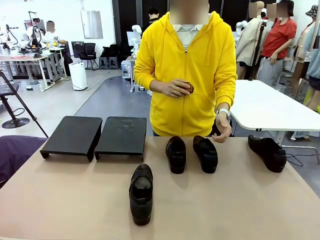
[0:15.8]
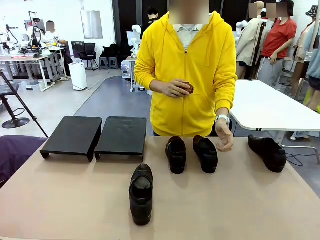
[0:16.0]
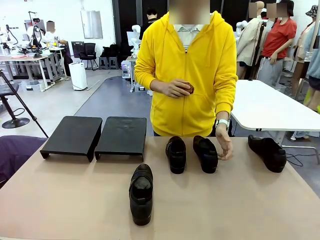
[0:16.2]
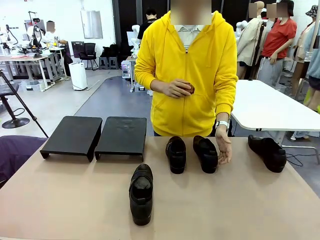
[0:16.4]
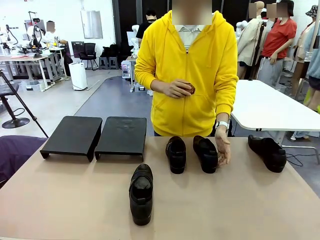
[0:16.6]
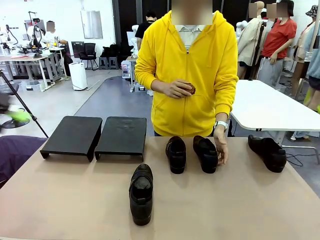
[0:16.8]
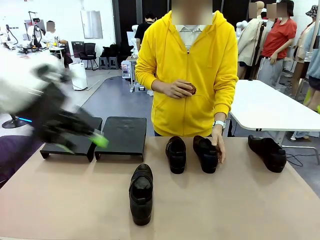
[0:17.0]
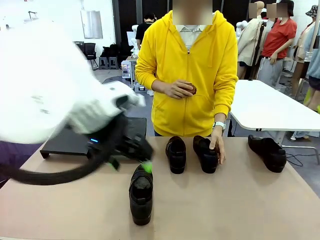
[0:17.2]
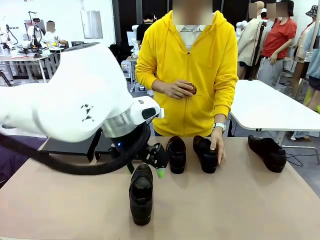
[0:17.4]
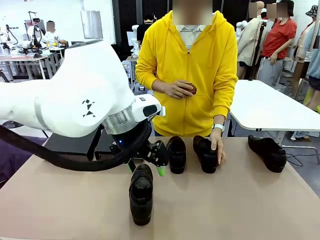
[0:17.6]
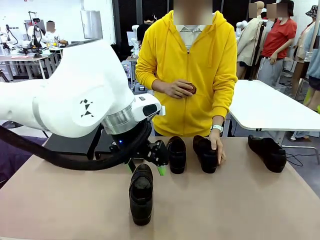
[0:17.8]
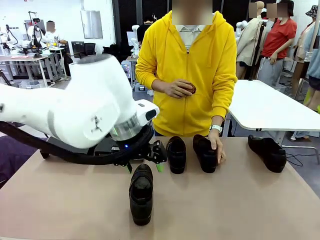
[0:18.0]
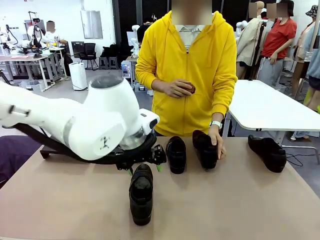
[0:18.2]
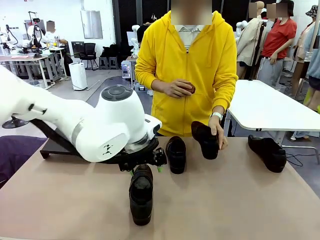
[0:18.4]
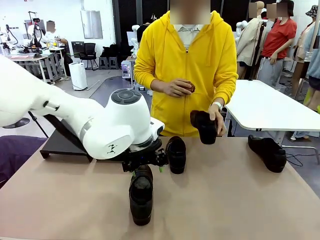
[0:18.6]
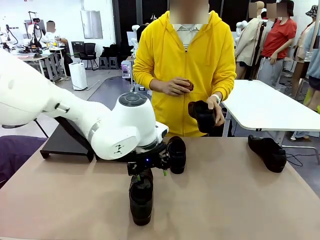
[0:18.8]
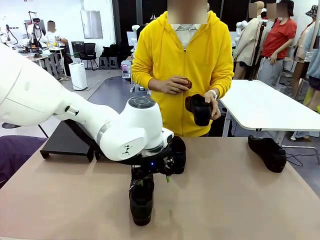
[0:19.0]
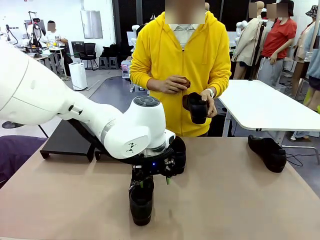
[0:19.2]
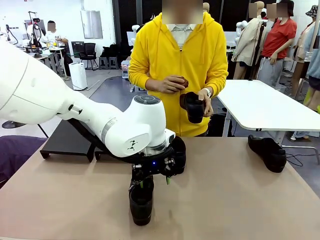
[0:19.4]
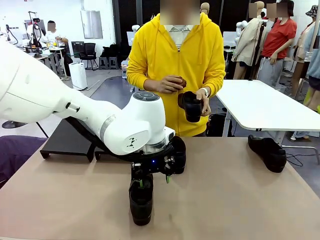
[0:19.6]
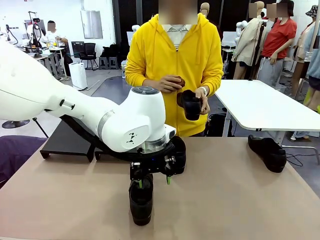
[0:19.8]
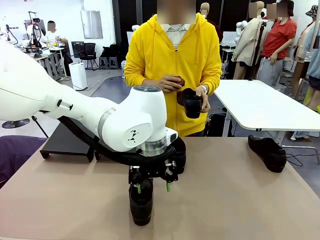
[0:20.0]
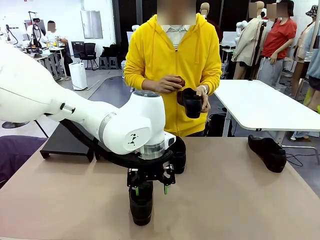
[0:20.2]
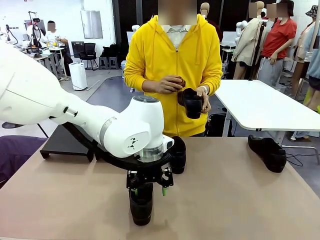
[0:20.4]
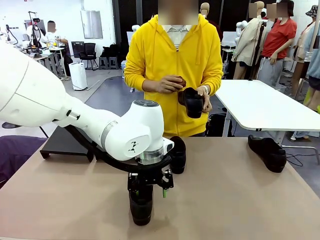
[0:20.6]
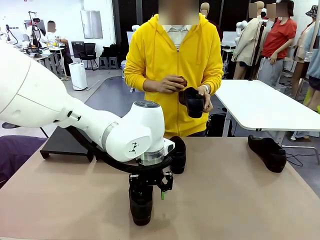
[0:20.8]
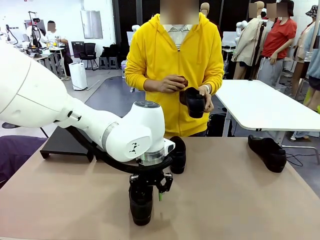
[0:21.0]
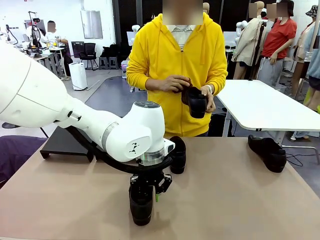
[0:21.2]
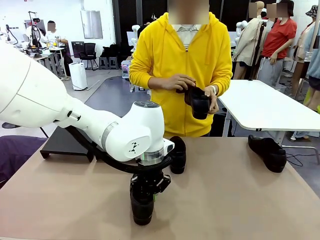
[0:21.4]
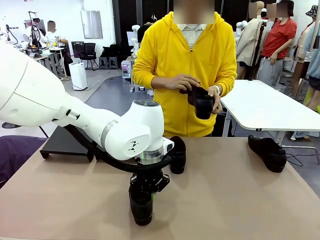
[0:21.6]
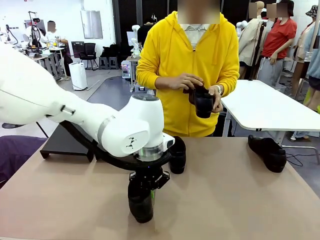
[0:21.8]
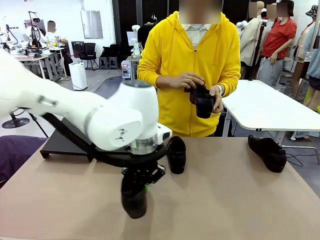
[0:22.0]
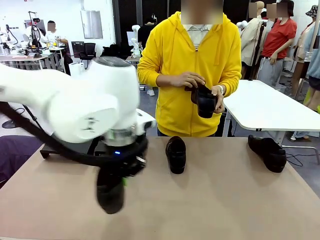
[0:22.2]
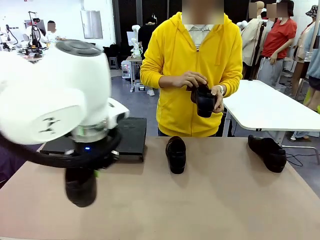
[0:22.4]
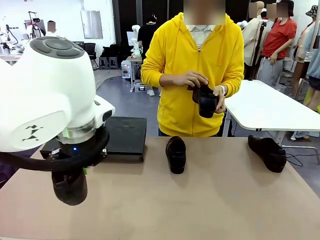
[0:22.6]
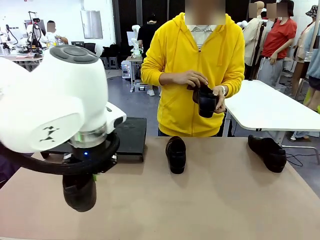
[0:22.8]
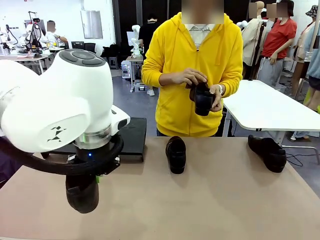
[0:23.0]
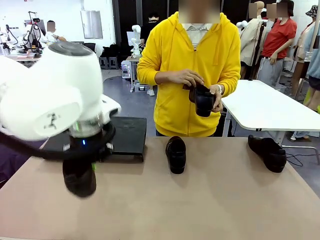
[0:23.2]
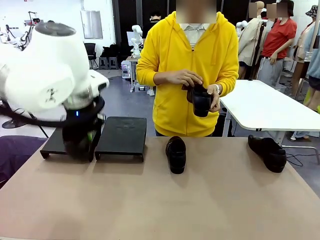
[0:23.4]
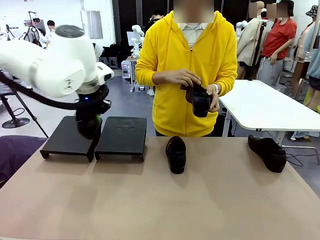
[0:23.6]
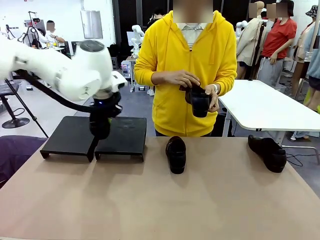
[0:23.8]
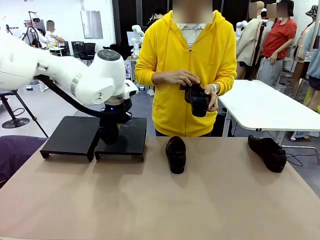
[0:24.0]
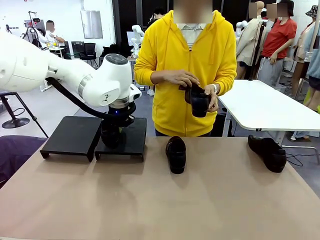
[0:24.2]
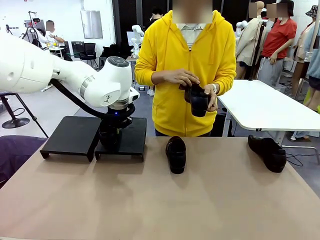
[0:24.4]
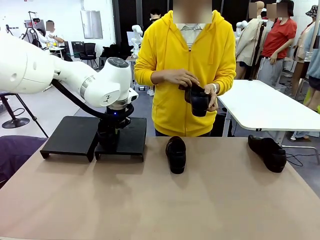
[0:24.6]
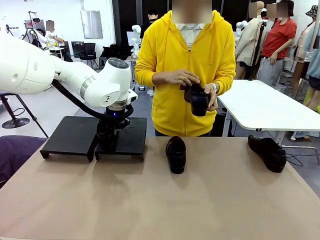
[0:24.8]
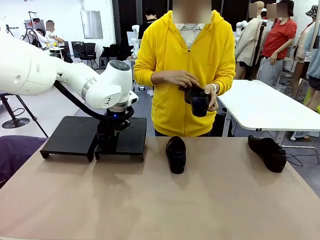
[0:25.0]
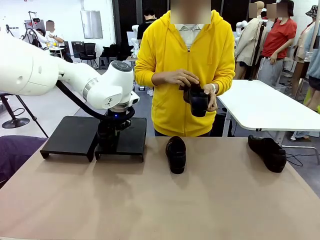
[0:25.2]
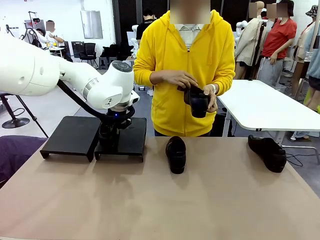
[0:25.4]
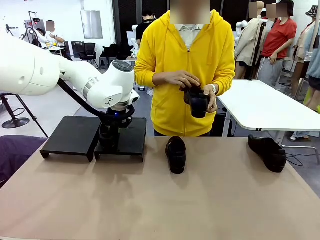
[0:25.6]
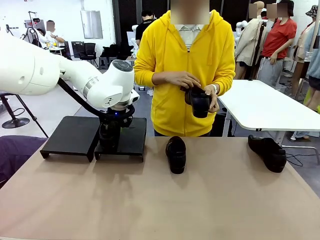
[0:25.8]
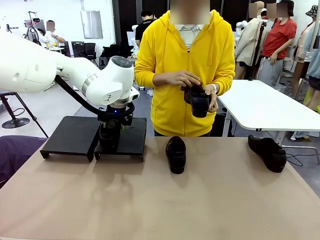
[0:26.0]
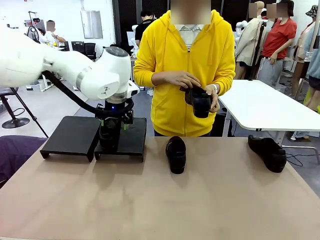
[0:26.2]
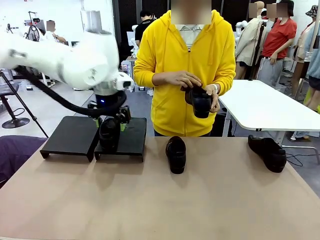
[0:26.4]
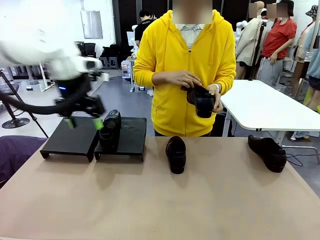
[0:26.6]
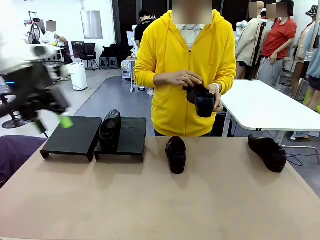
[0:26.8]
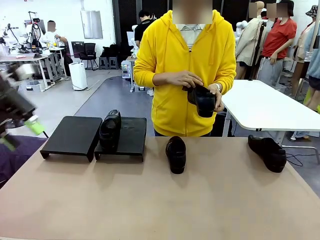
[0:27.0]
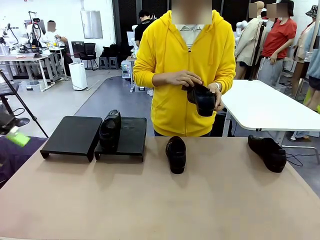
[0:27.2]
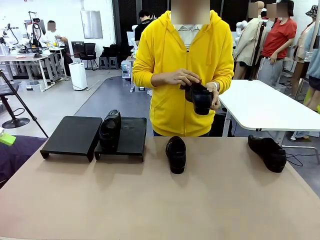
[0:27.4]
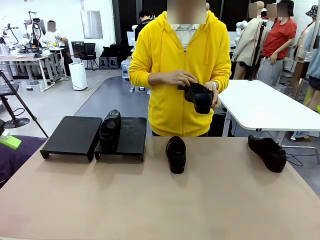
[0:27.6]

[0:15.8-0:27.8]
Task: Organize the shoes by placing them on the stand.
Robot: Place the Shoe from the middle of the table onto the Shoes Stand.
Person: Pick one Shoe on Robot's table. Clean the Shoe with the Shoe Brush.

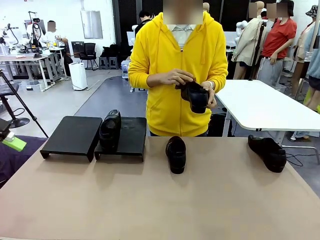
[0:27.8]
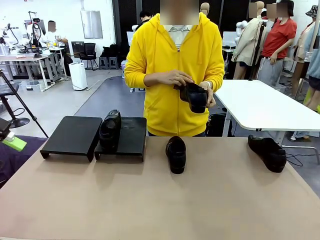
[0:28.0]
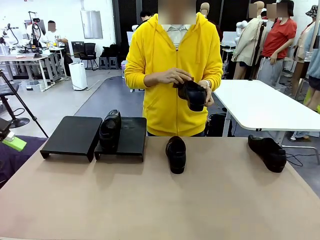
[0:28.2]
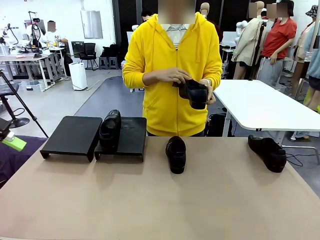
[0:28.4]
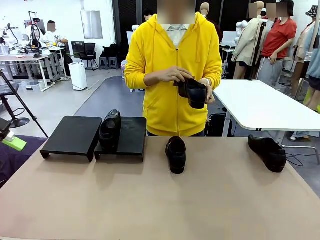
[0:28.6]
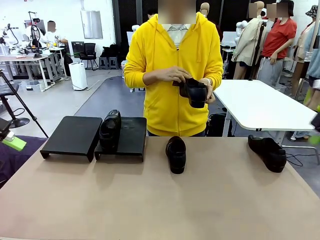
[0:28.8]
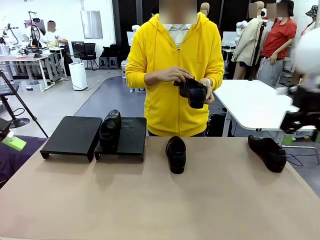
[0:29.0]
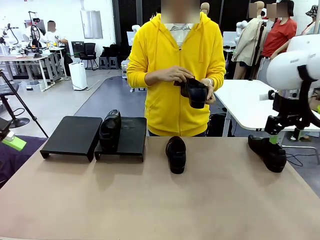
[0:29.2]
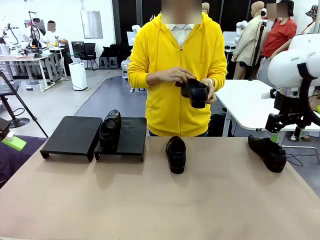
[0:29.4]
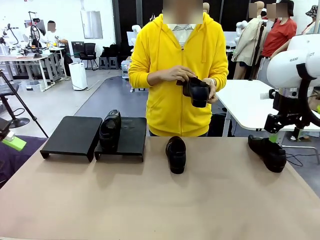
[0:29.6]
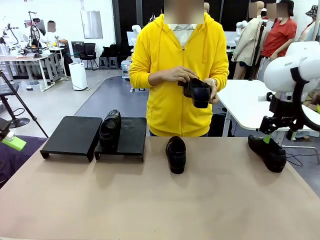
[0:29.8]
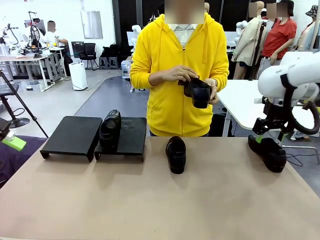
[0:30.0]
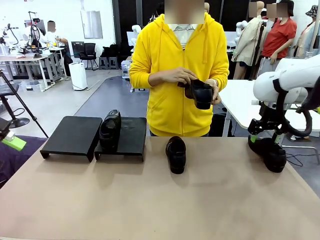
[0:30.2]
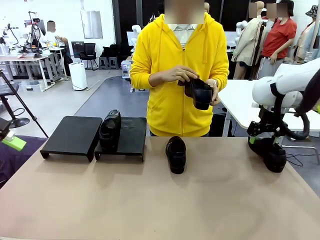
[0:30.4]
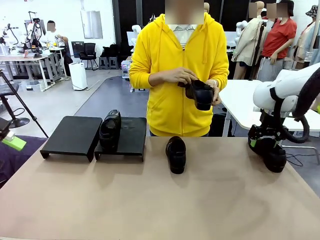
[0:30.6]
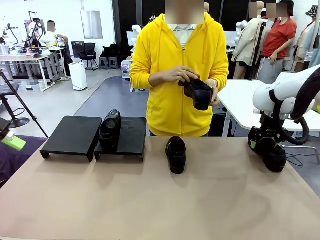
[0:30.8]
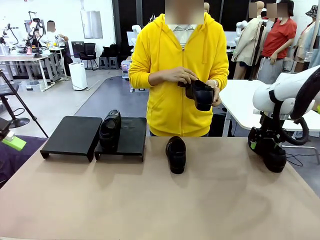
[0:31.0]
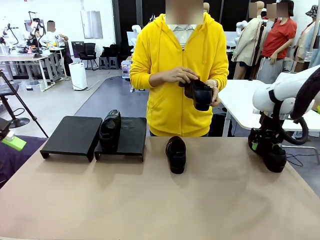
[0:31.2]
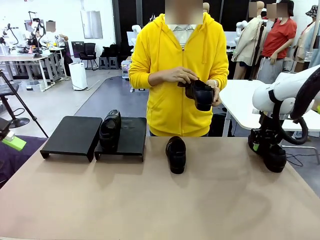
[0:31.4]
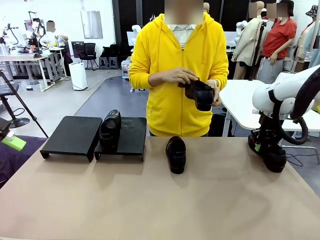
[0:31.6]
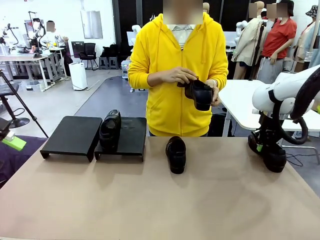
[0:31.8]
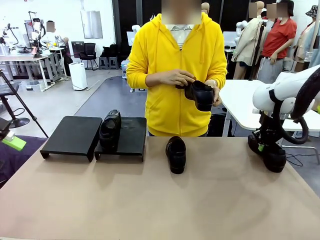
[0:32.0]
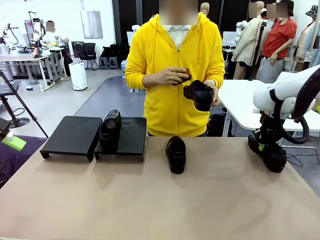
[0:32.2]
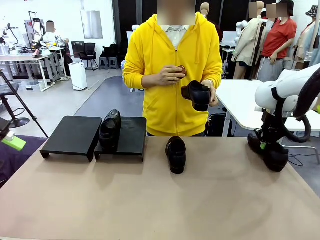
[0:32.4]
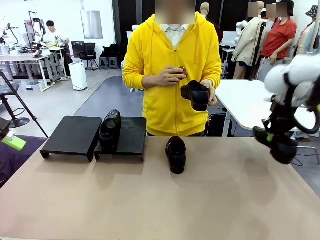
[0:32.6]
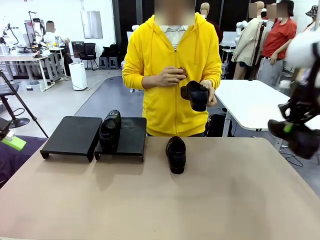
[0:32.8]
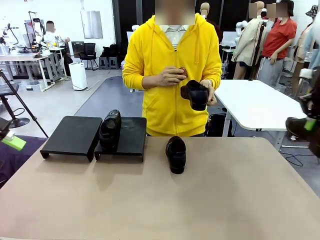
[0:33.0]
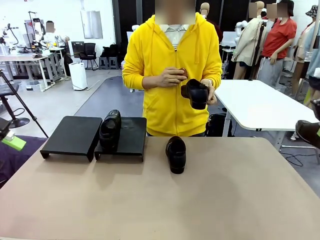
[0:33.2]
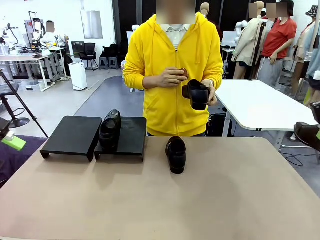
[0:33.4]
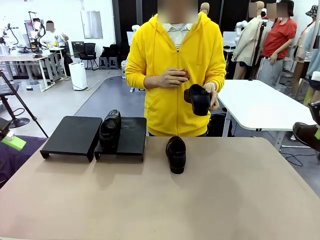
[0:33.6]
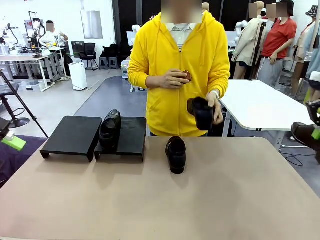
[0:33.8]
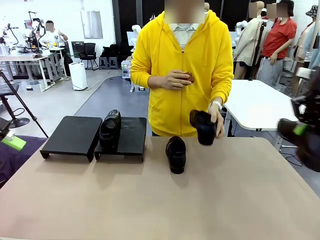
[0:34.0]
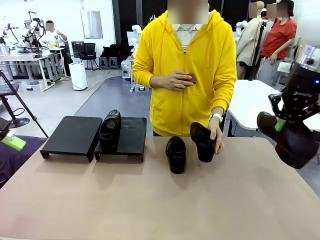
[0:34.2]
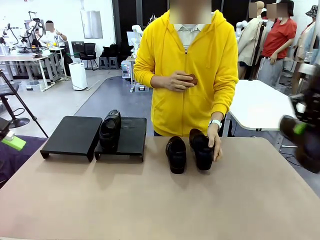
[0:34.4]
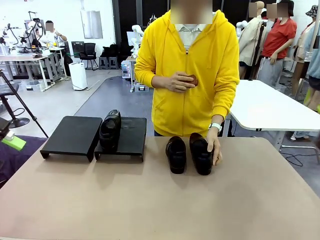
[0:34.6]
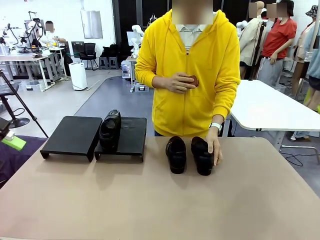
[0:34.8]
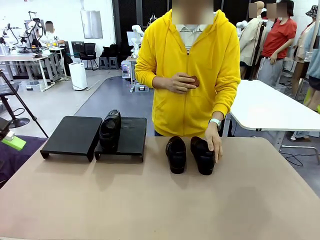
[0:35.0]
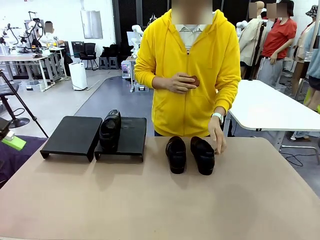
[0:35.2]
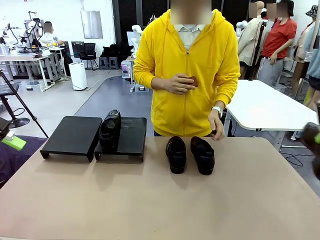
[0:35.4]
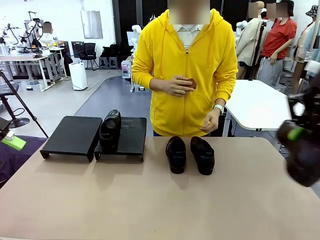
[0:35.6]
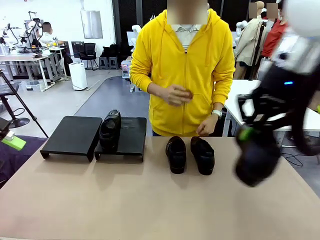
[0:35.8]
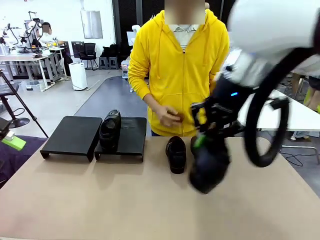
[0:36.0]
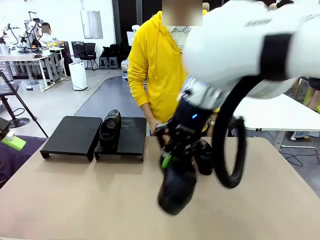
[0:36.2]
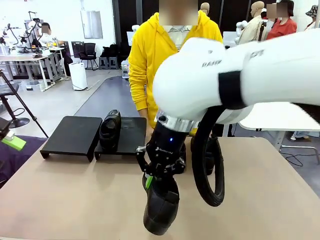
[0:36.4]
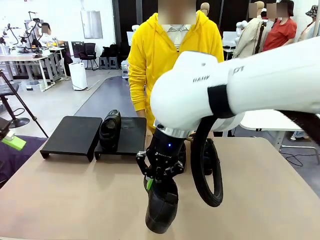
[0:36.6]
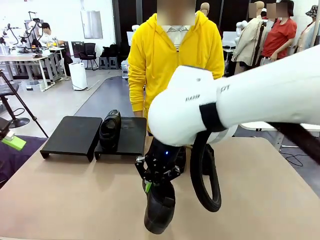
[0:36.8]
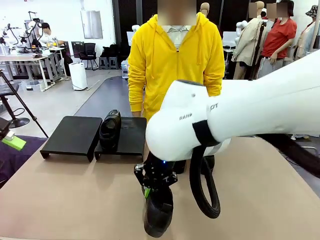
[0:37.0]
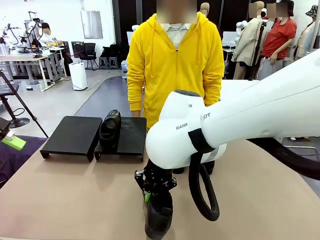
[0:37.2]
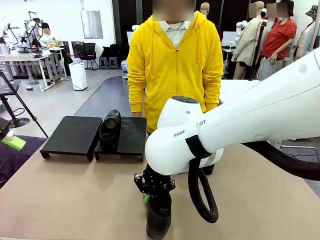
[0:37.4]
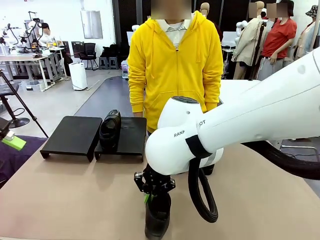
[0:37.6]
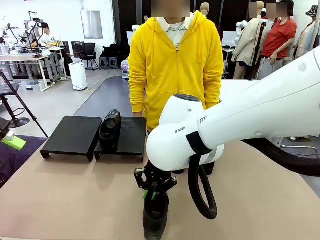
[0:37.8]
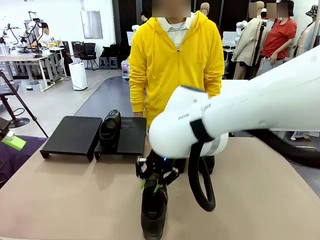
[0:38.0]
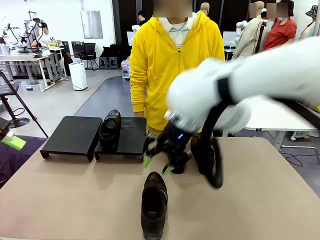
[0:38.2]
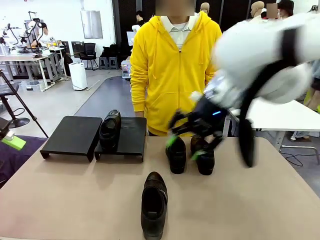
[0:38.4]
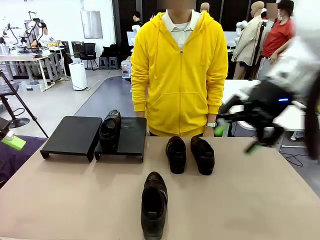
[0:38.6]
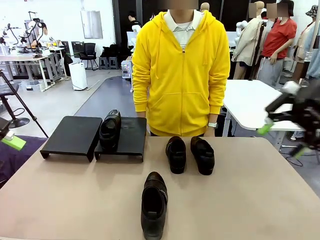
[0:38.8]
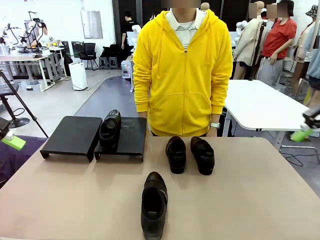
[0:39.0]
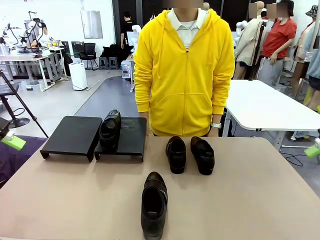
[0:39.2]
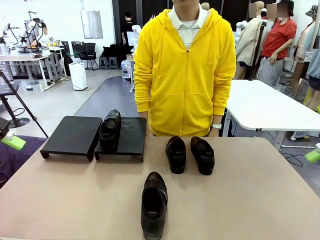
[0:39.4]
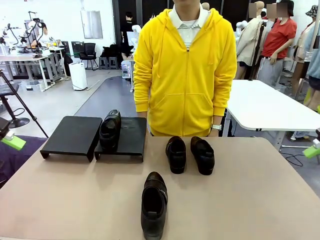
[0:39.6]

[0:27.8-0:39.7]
Robot: Pick up one Shoe and place it in the middle of the table.
